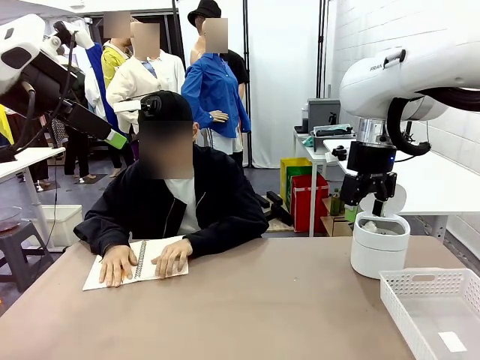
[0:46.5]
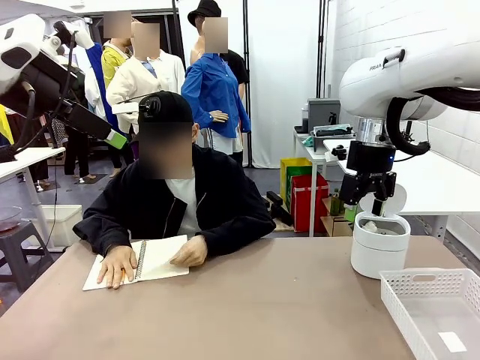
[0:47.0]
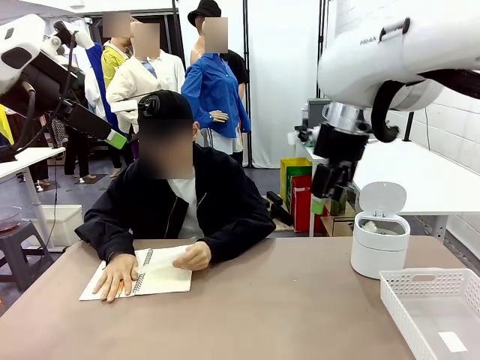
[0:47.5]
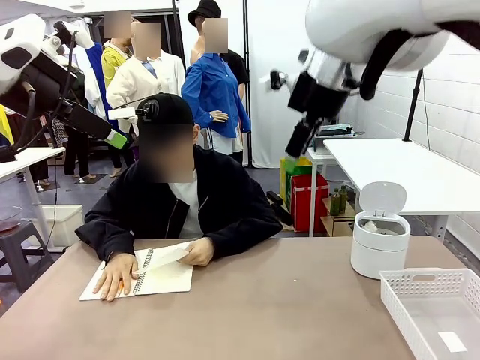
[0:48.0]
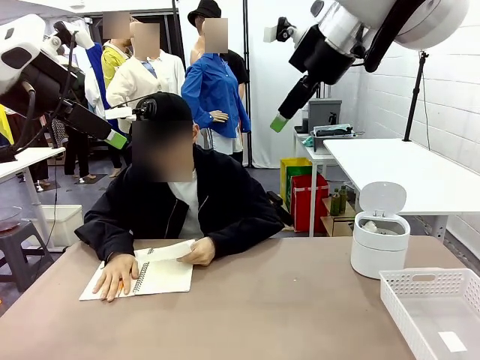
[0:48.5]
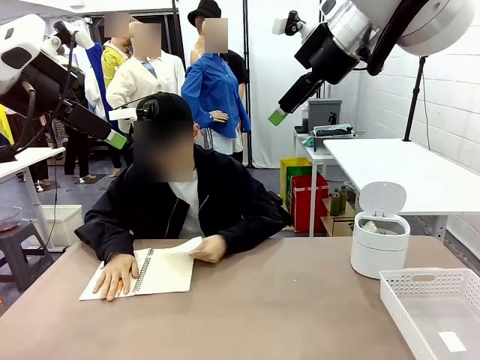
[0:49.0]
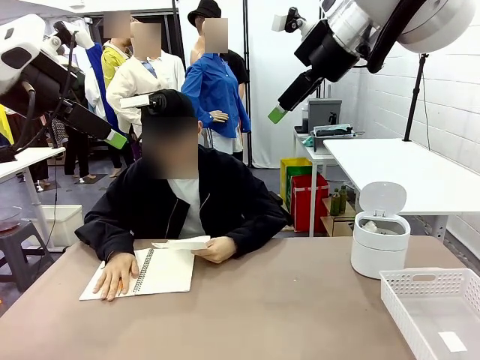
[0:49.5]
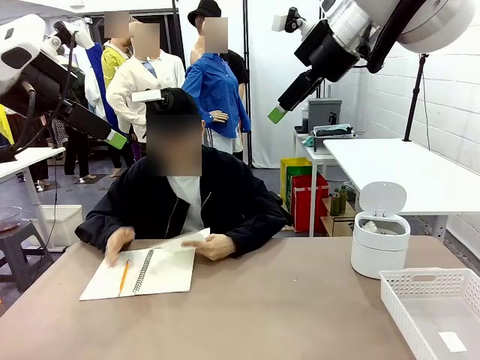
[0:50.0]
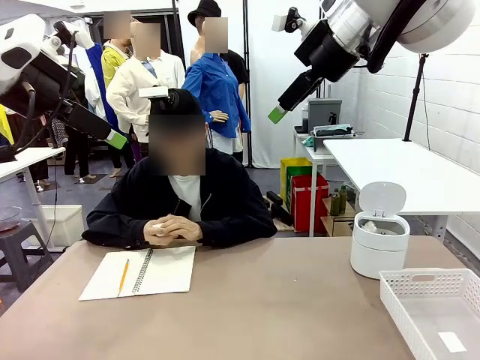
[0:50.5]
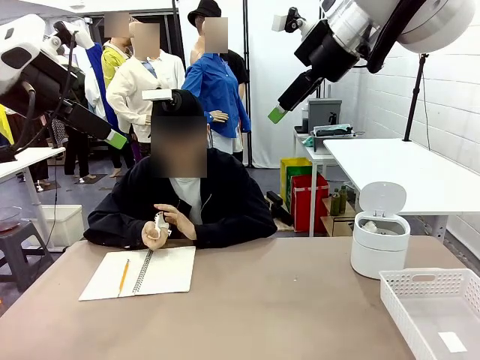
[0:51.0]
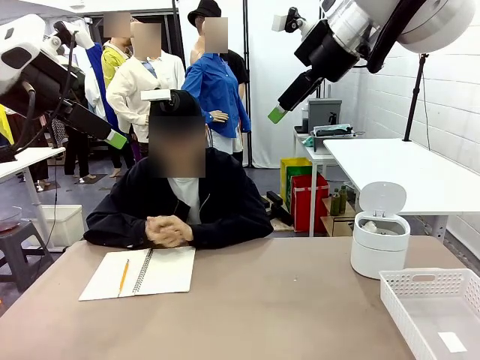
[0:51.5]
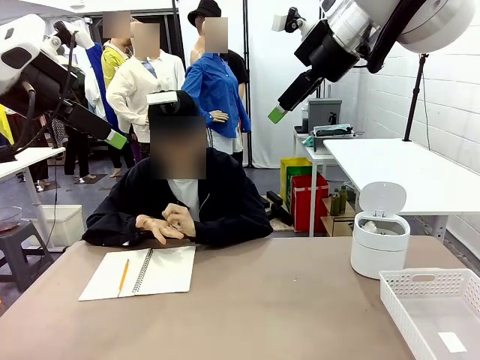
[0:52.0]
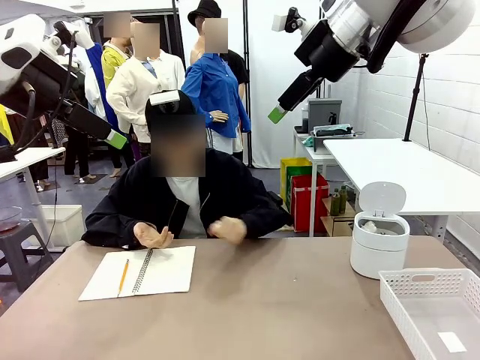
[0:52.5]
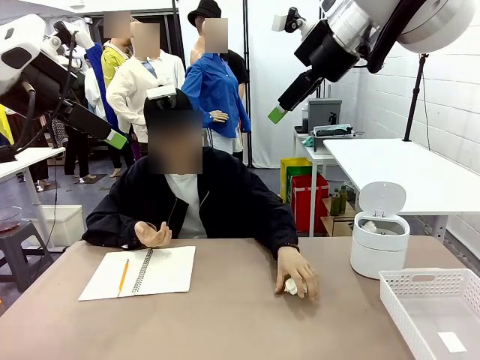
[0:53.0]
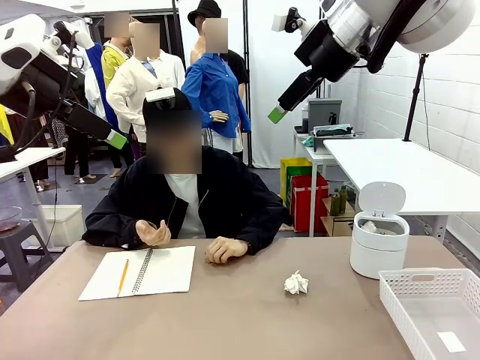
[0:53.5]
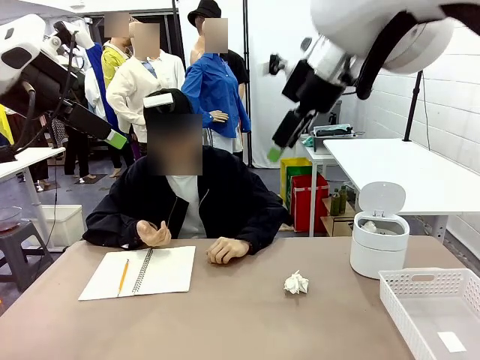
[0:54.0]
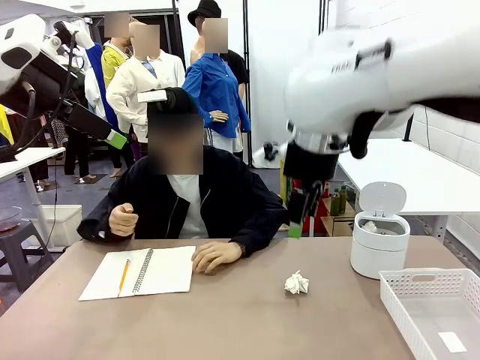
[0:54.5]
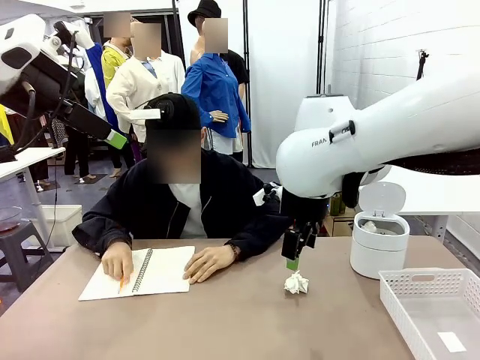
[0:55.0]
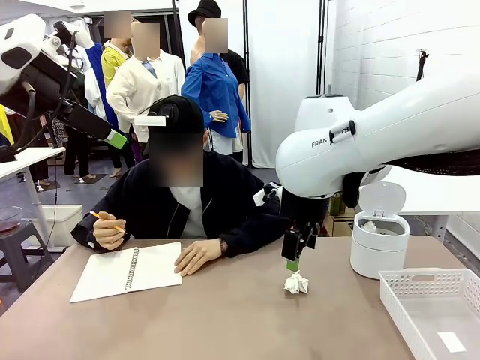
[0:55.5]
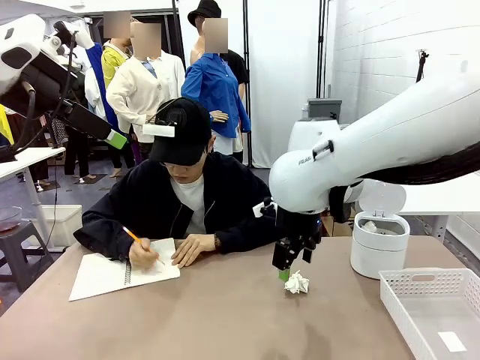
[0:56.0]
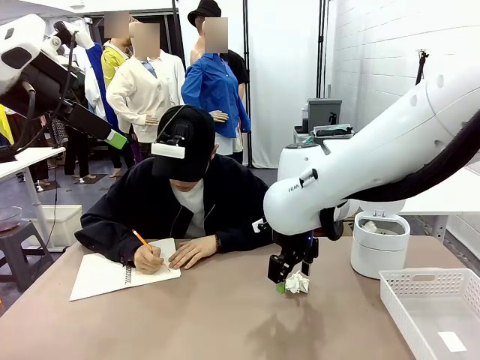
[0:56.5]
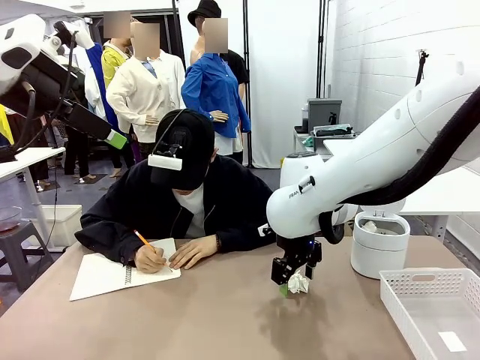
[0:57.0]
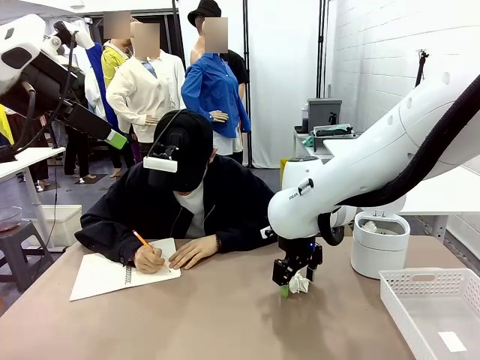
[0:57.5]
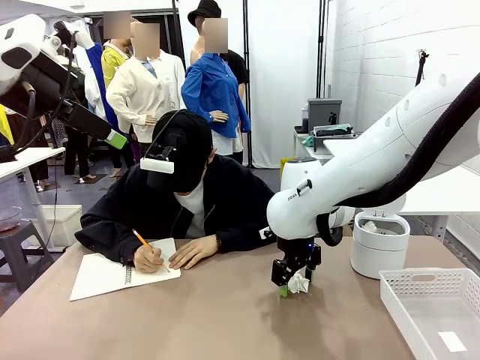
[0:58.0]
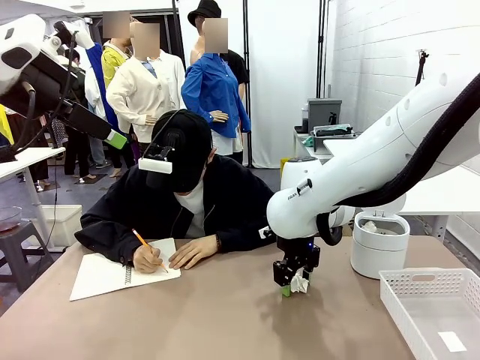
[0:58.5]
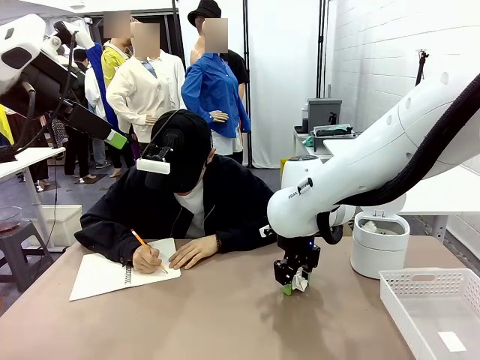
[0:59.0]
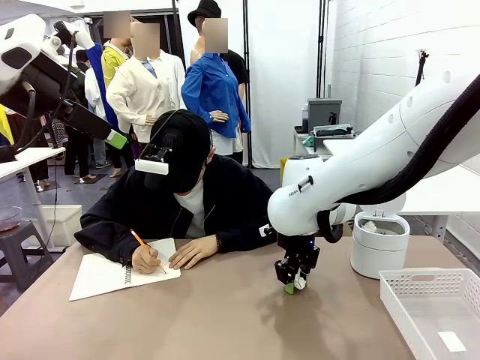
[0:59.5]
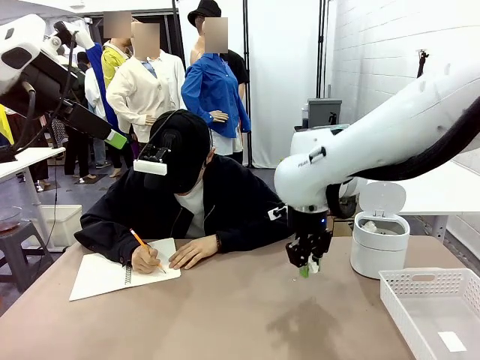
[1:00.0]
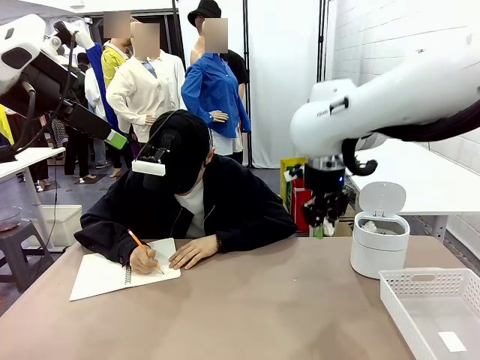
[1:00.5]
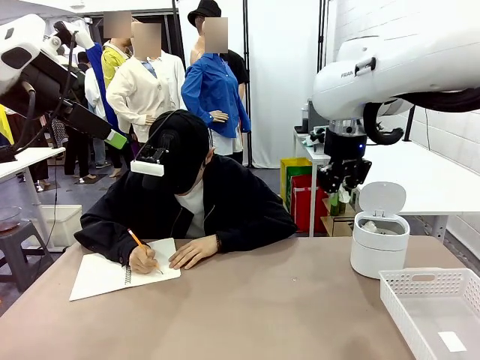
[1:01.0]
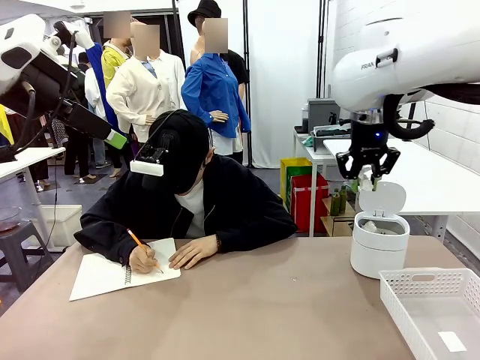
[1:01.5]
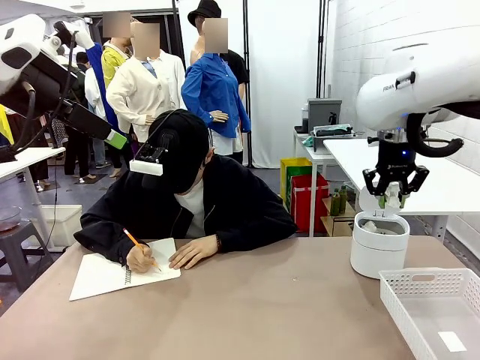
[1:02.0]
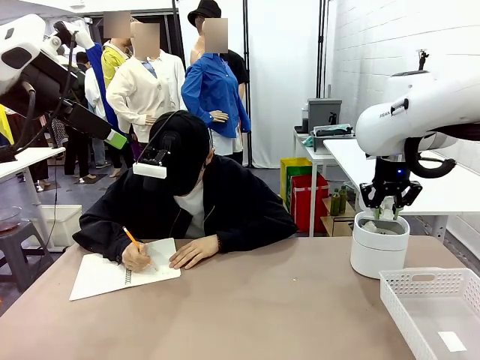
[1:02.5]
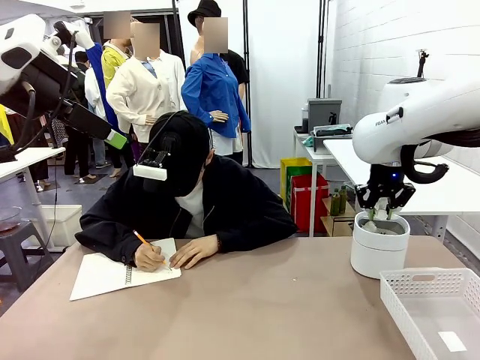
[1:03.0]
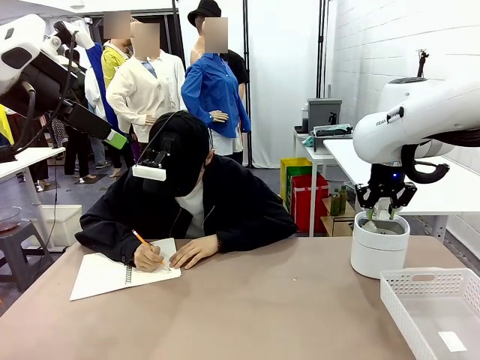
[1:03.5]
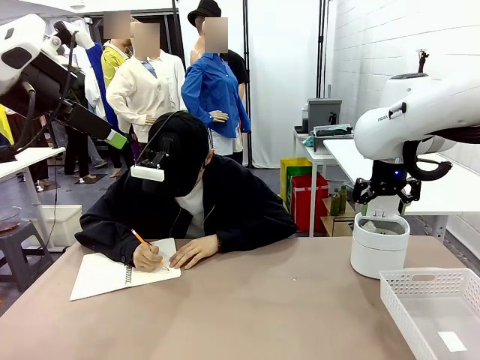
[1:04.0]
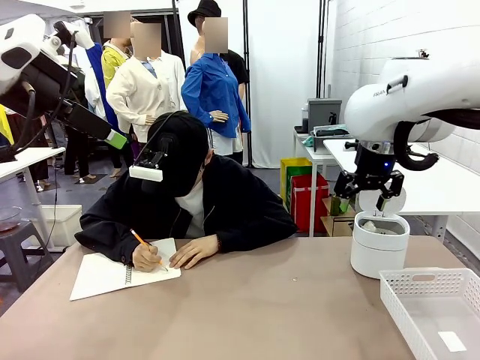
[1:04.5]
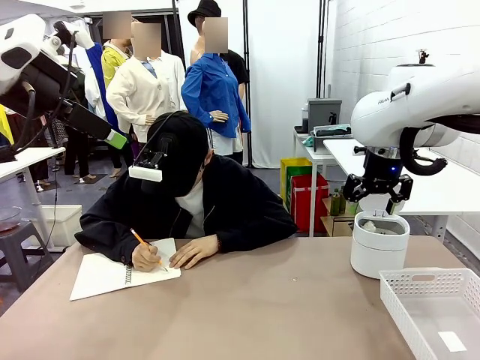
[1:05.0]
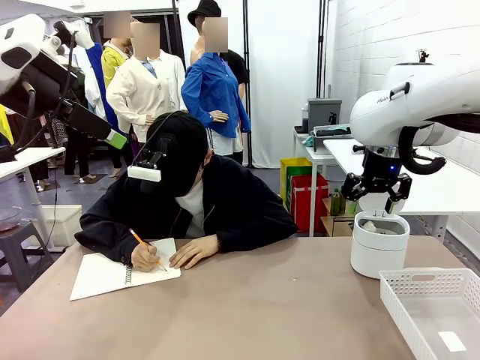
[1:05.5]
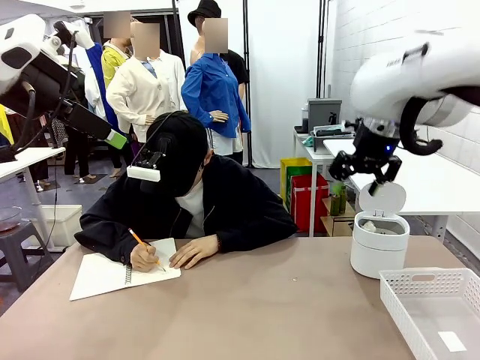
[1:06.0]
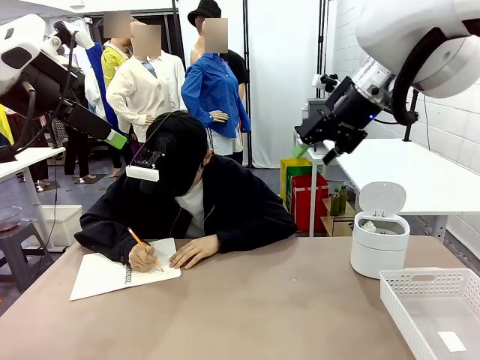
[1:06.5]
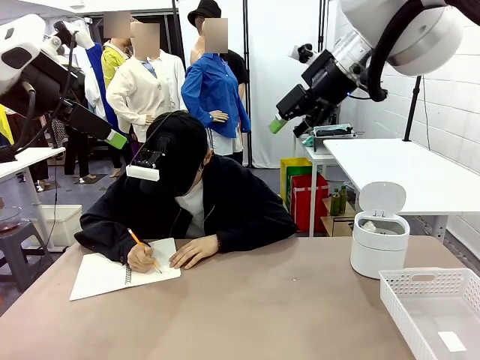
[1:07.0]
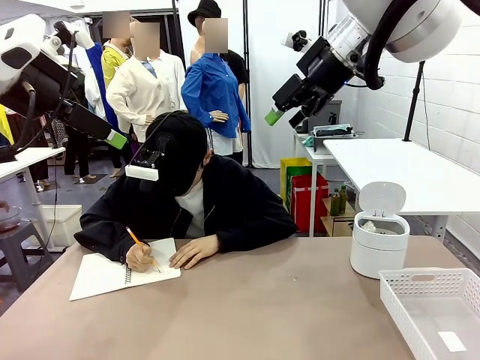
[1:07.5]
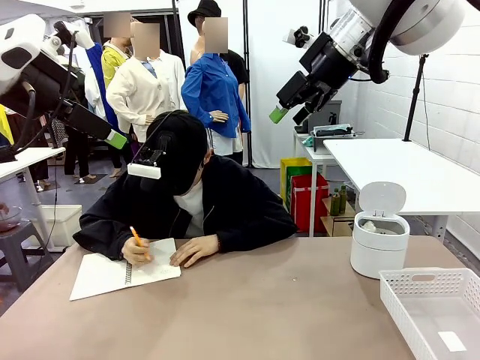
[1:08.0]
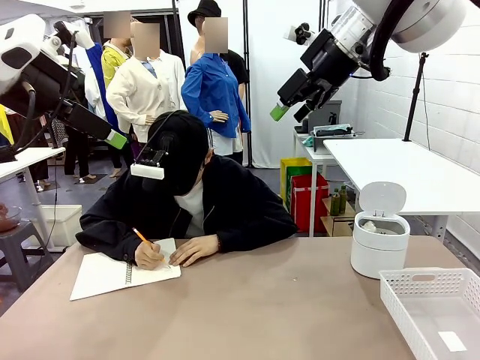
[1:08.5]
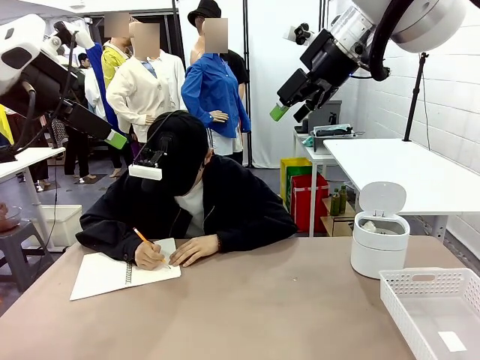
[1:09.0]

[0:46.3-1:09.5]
Task: Sort the paper based on its condition.
Robot: If a person hands you a paper, place it in the Organizing basket , and if it's crumpled, put it in the Trash can.
Person: Hand the torn page to the robot or crumple it and throw it to the center of the table.

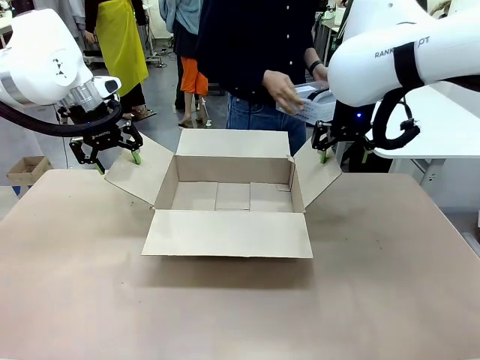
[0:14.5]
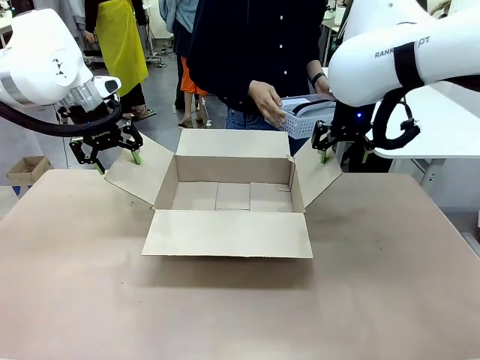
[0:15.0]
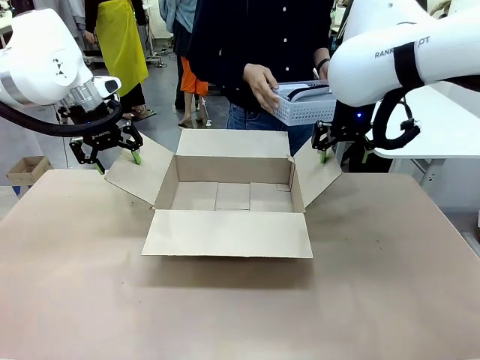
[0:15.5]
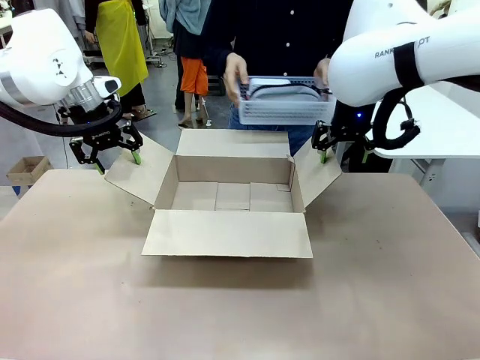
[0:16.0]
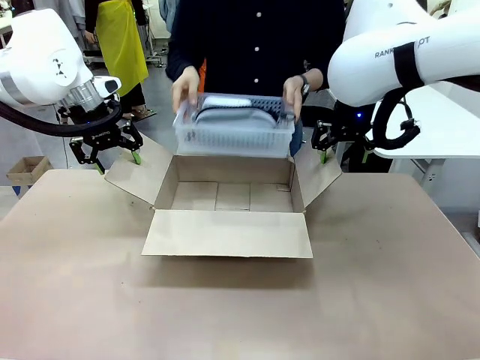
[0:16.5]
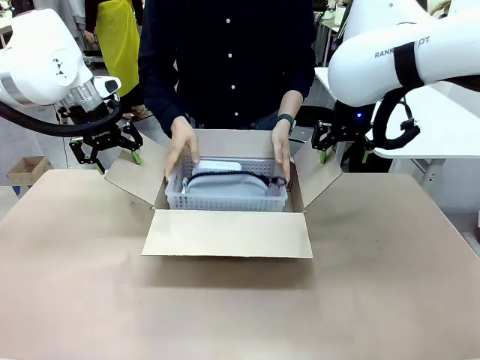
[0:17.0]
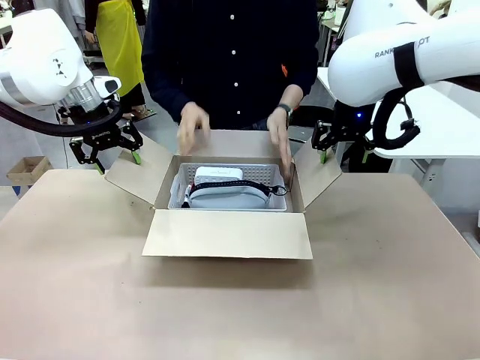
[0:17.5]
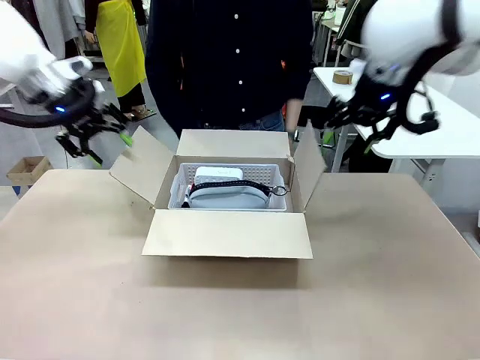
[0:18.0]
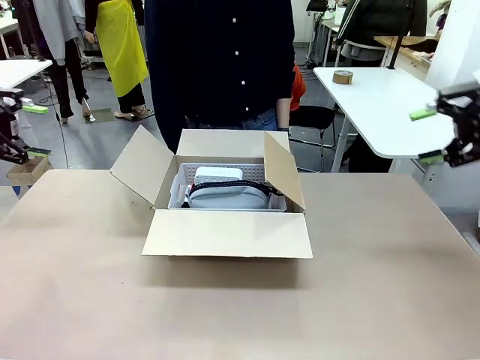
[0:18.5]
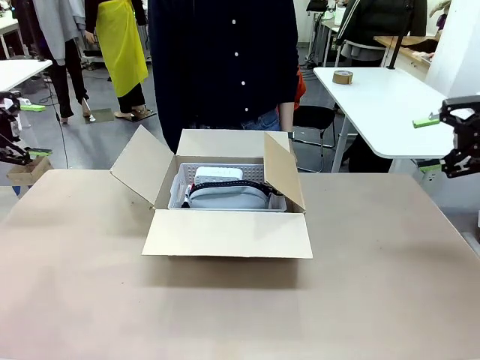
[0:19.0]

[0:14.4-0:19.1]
Task: Pack the gift set into the box.
Robot: Lift both hands away from the flaps of the Package Box.
Person: The human picks up the organizing basket and places the organizing basket into the package box on the robot table.
